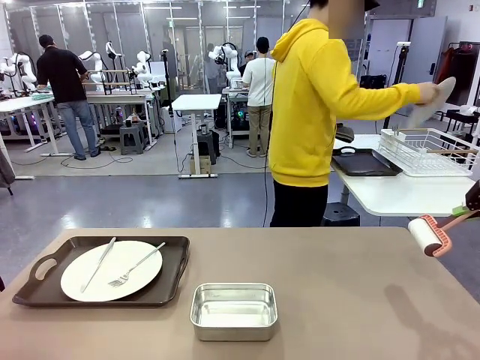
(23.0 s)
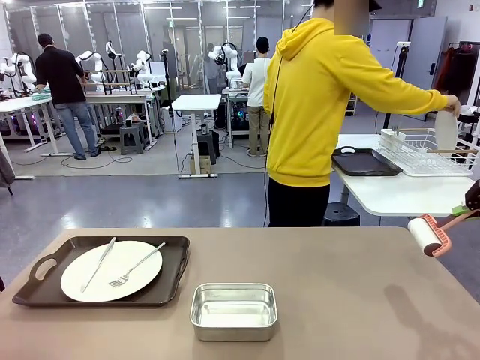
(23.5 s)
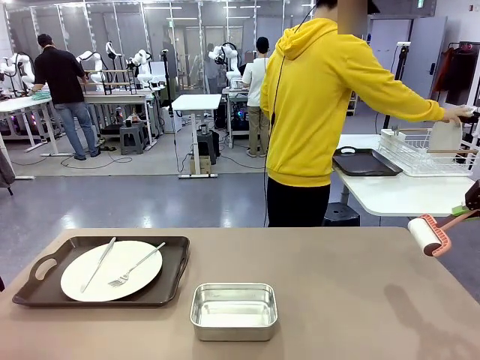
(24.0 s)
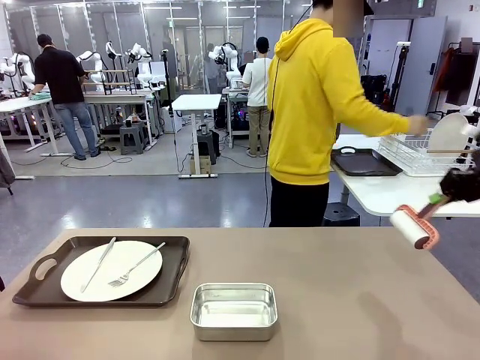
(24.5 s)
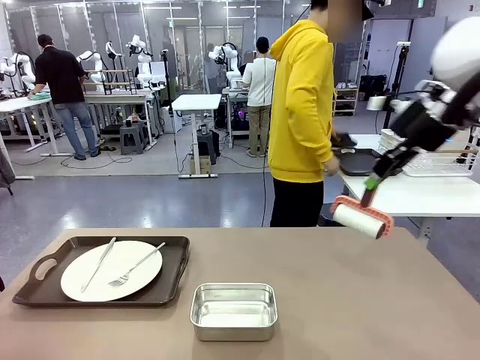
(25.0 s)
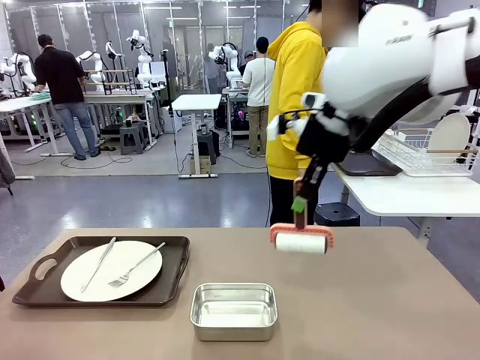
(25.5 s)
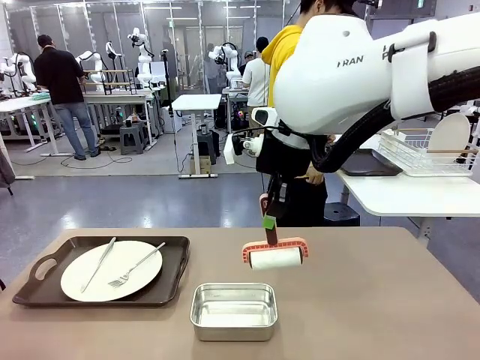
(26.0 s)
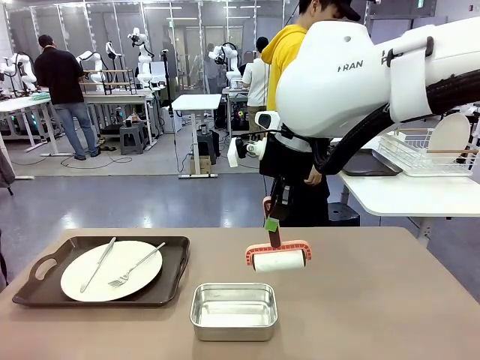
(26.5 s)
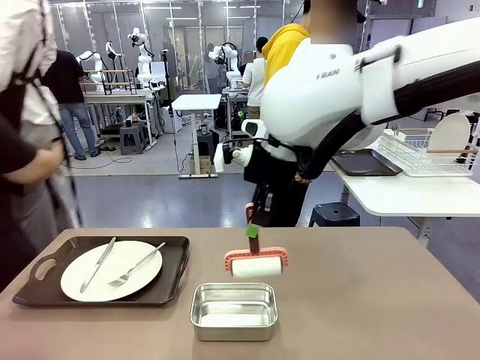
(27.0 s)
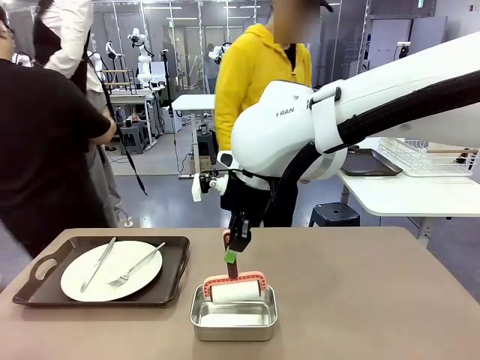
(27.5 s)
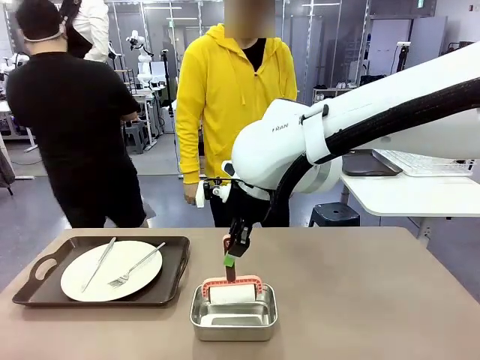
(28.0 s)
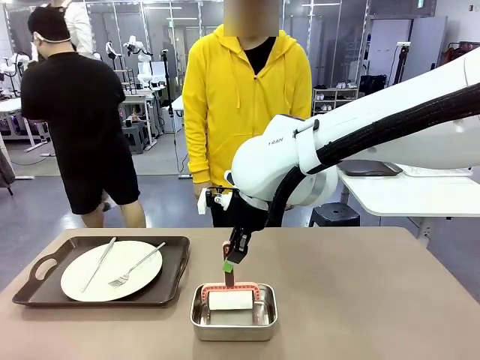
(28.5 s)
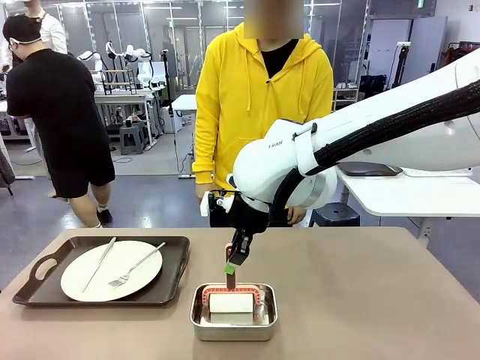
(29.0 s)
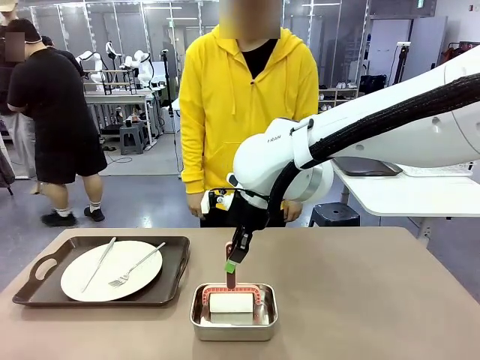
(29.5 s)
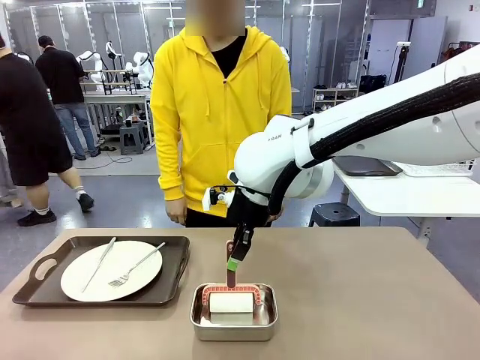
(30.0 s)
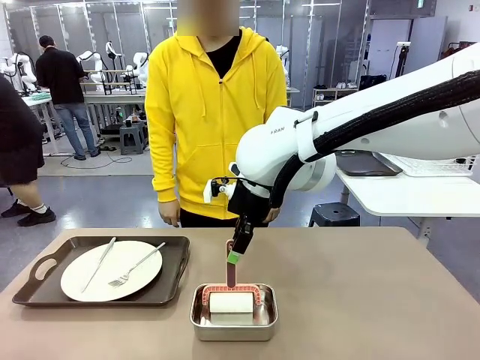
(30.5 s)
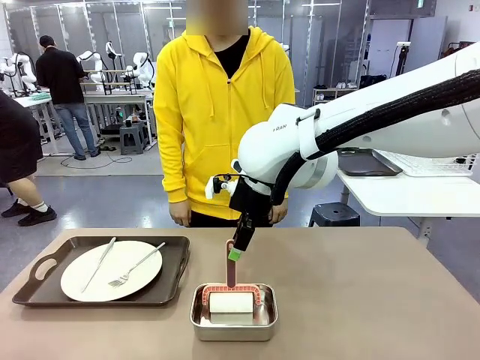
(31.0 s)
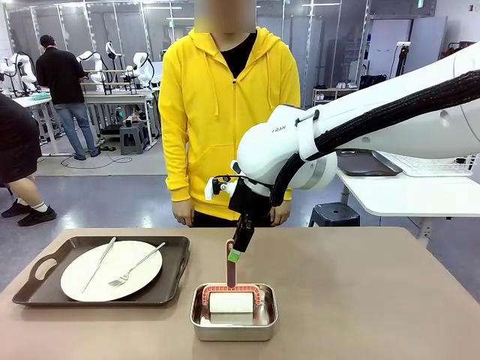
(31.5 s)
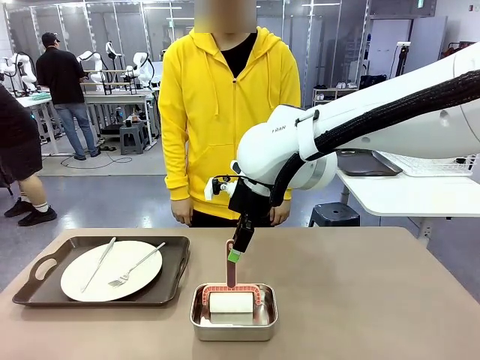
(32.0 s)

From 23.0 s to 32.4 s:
Robot: Place the Lint Roller back on top of the Airtight Container.

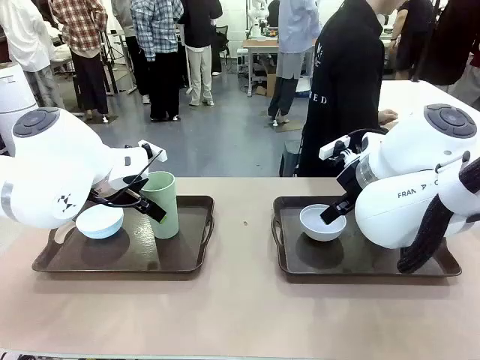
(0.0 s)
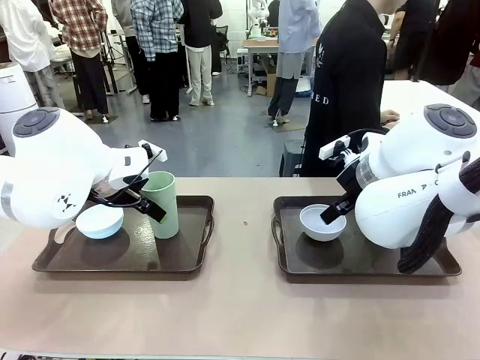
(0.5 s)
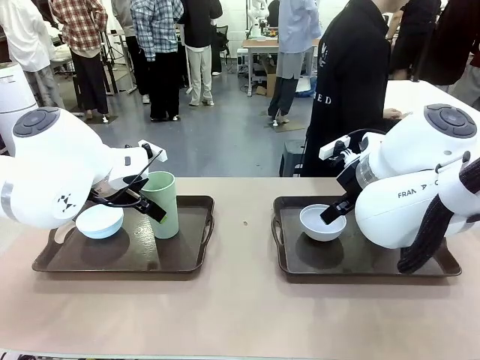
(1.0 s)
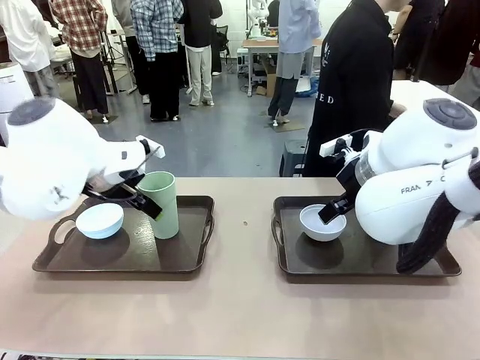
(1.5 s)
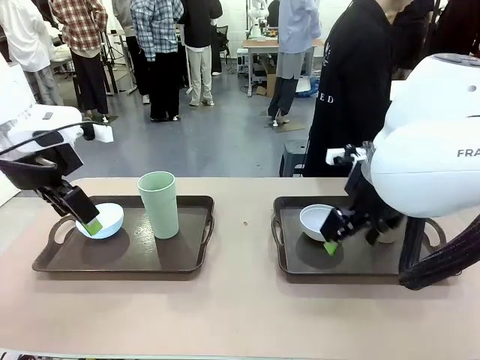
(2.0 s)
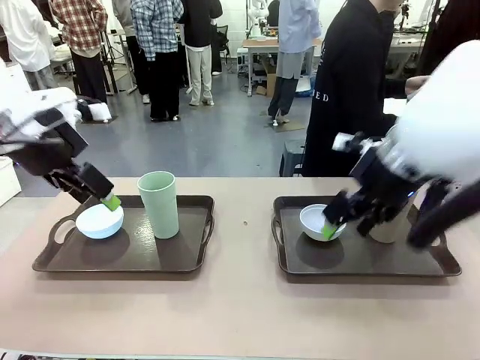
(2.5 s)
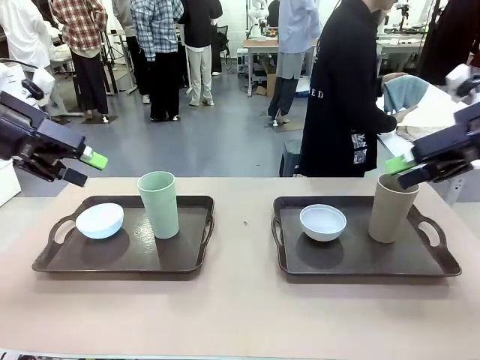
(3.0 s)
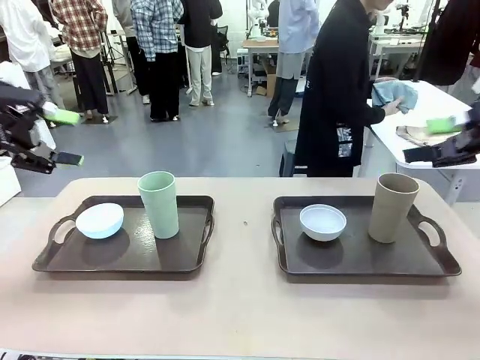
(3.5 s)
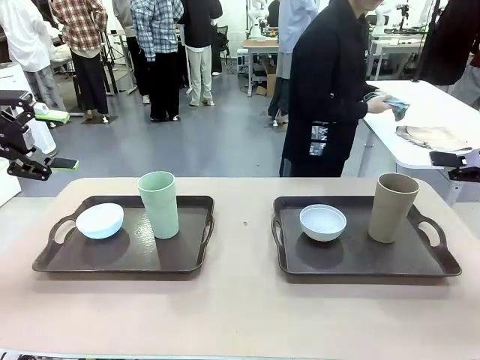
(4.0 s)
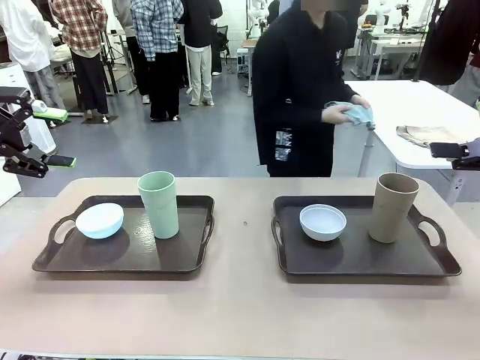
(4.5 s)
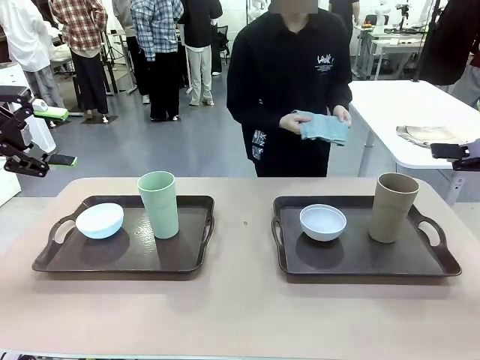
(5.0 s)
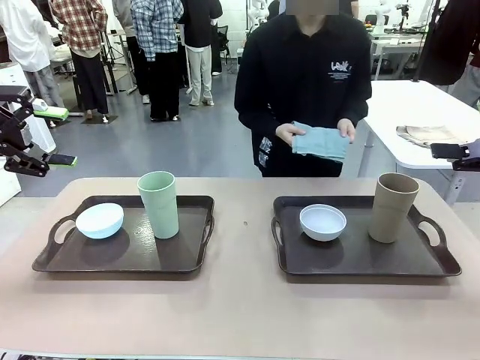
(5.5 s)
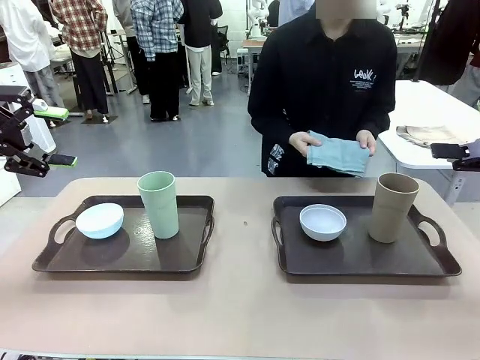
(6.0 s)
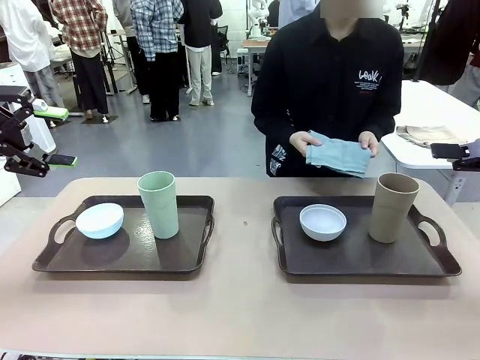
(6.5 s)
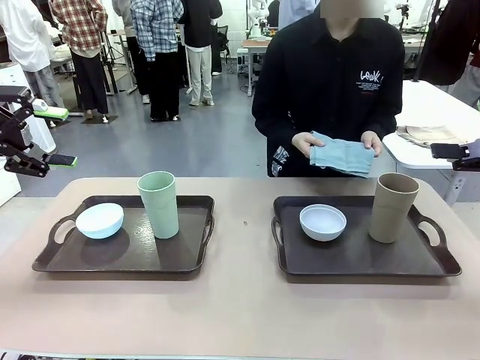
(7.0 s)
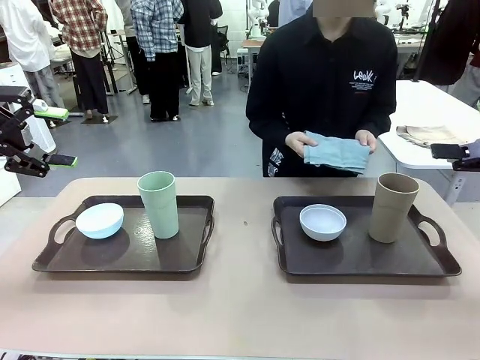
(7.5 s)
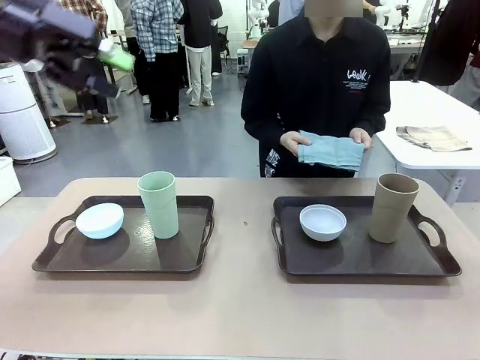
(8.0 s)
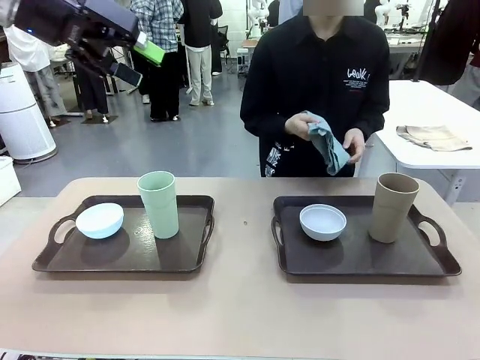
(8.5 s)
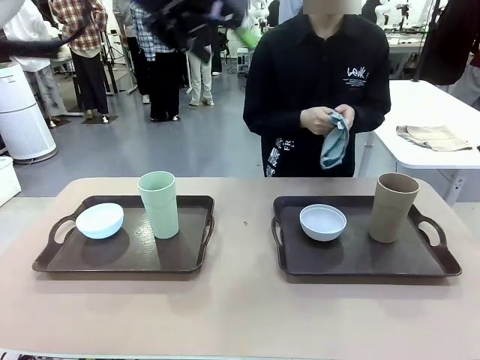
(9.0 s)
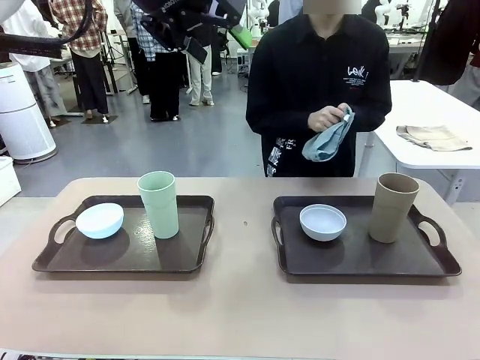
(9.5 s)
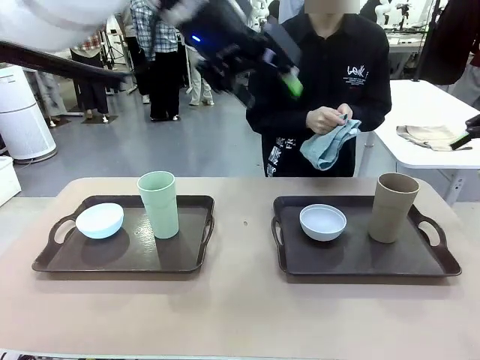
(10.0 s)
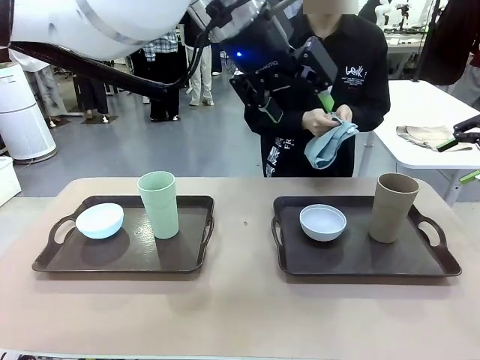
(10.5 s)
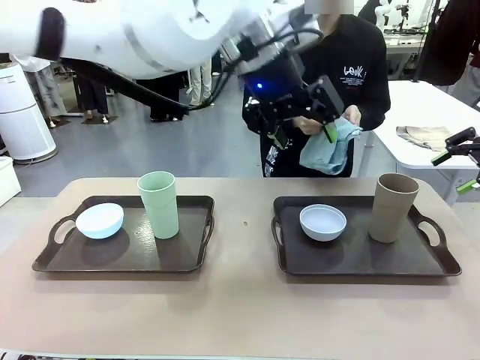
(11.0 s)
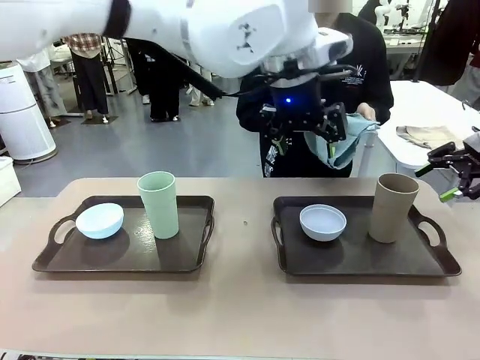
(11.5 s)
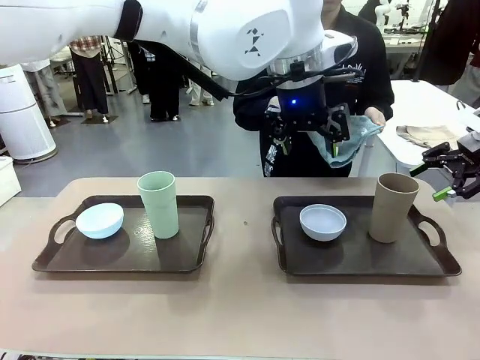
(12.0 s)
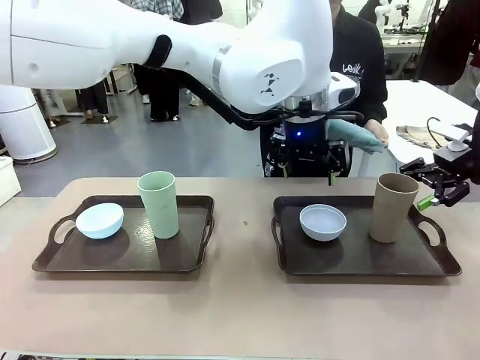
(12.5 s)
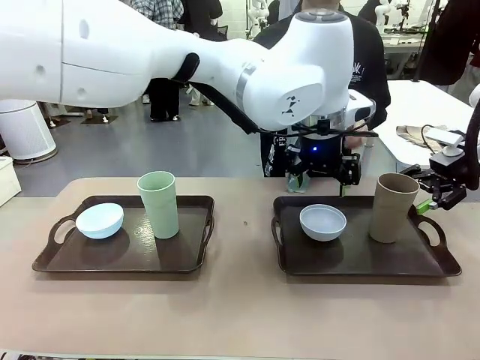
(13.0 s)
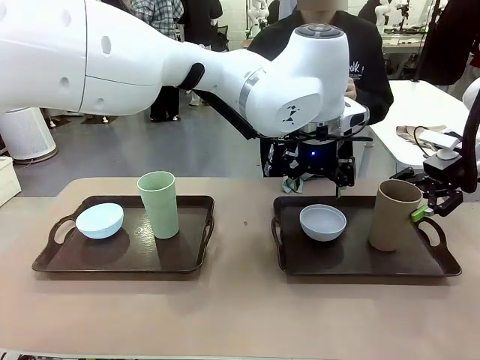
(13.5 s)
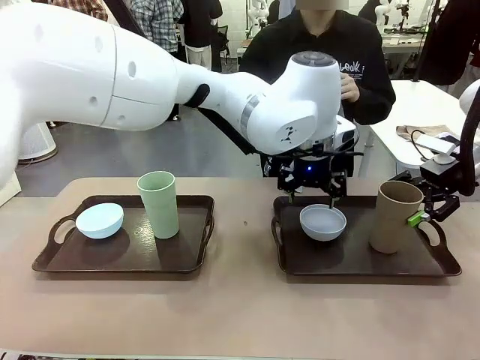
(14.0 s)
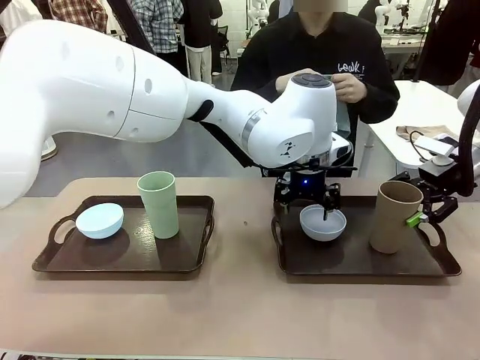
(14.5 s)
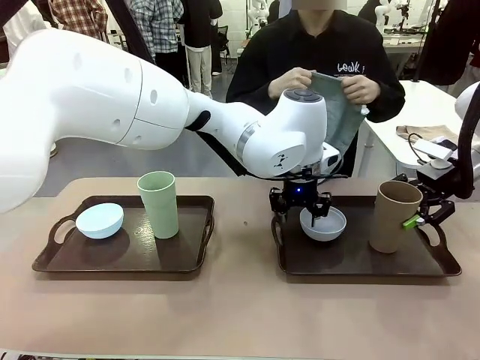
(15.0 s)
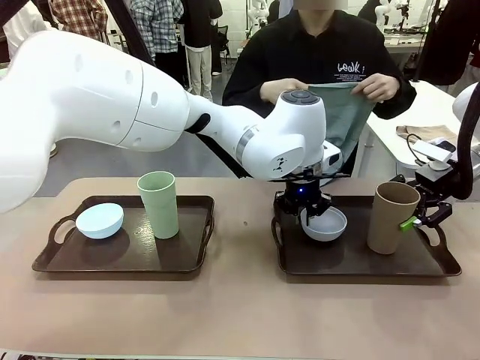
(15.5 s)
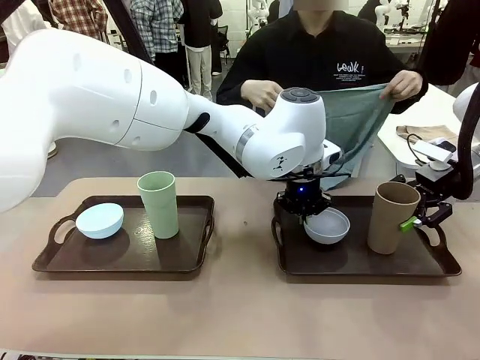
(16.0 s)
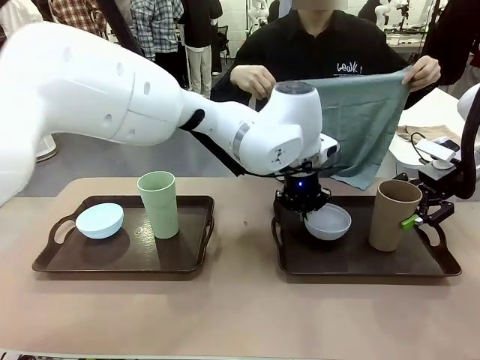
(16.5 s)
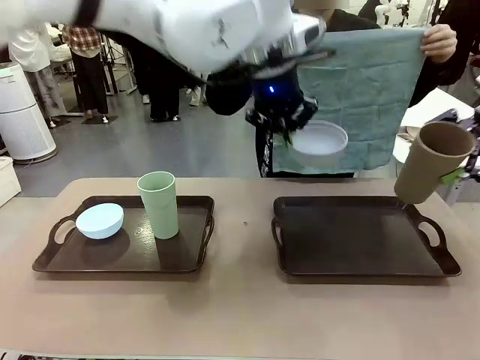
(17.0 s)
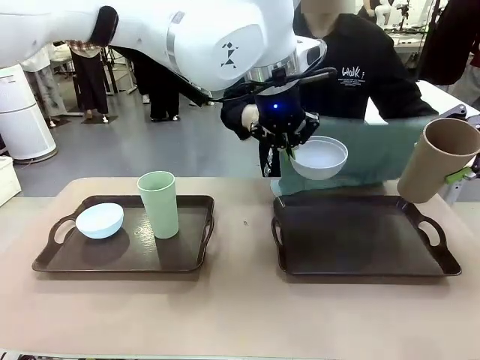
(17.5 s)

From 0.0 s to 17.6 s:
Robot: Pick up the Picnic Bowl and Reusable plastic cup from the Handle tray in front of the human's position and hold them in the air.
Person: The human picks up the top napkin from the stack on the human table and walks to the robot table to stand in front of one of the two trays. When the robot lifts the bowl and the cup, the human unfolds the napkin and lays the napkin flat on the tray.
